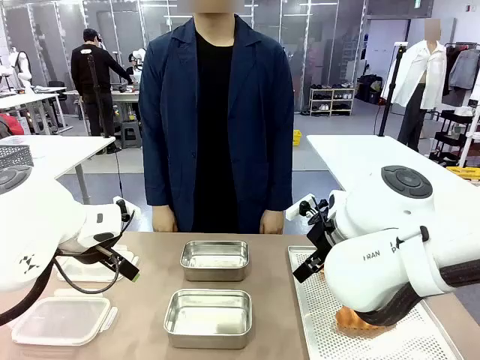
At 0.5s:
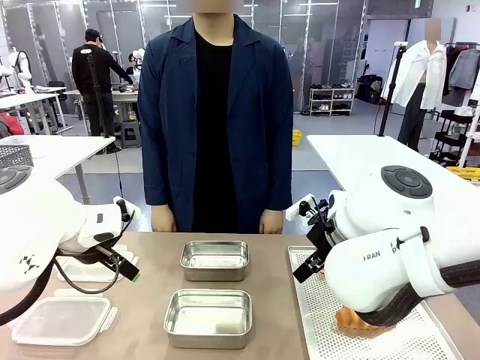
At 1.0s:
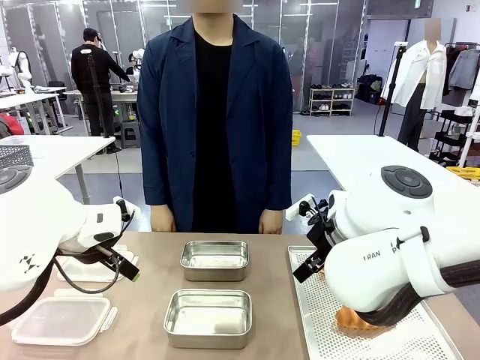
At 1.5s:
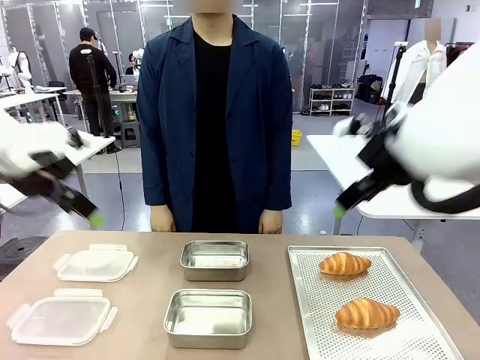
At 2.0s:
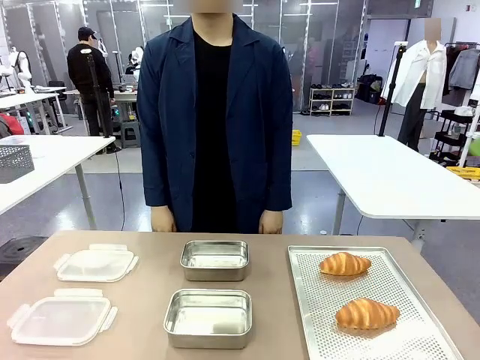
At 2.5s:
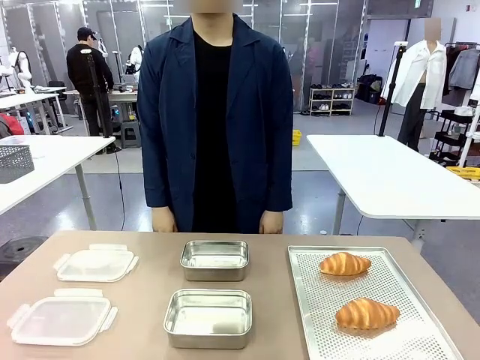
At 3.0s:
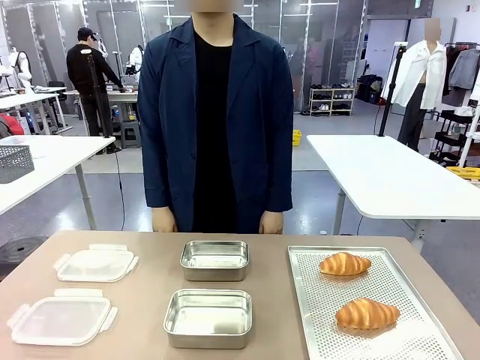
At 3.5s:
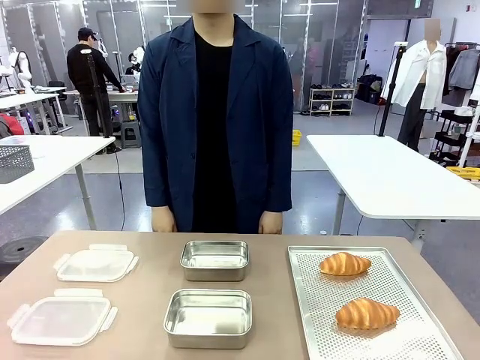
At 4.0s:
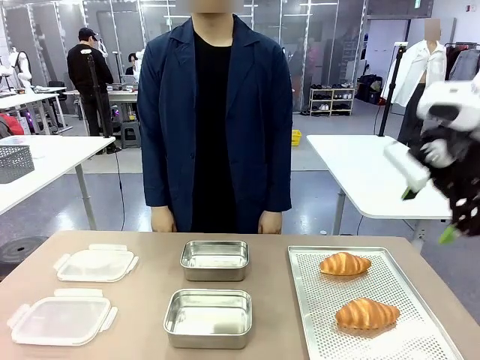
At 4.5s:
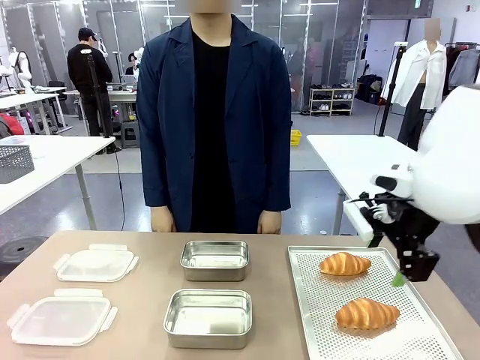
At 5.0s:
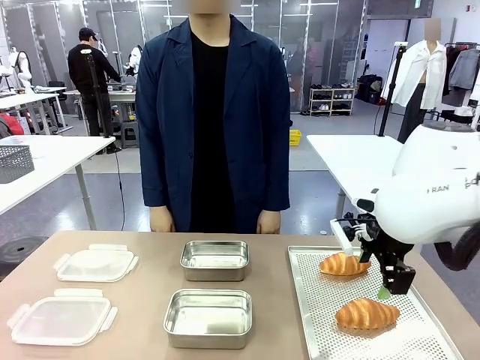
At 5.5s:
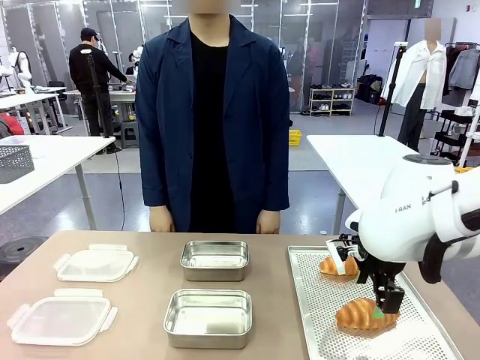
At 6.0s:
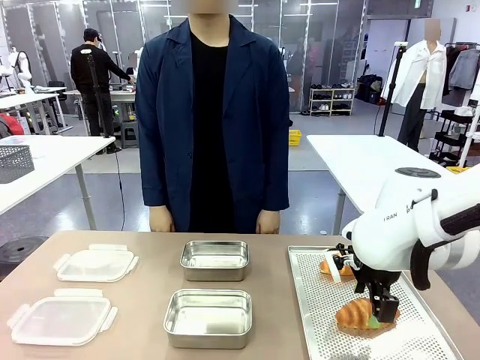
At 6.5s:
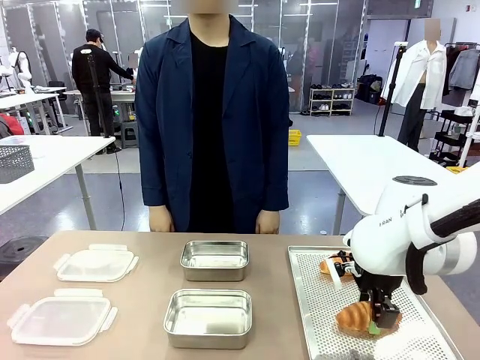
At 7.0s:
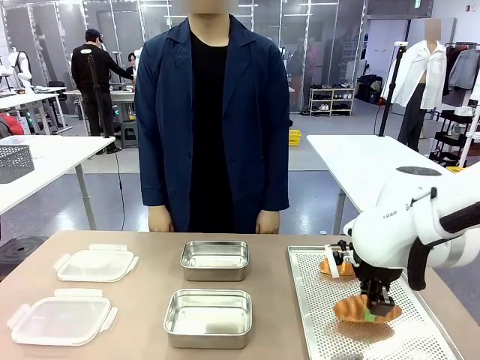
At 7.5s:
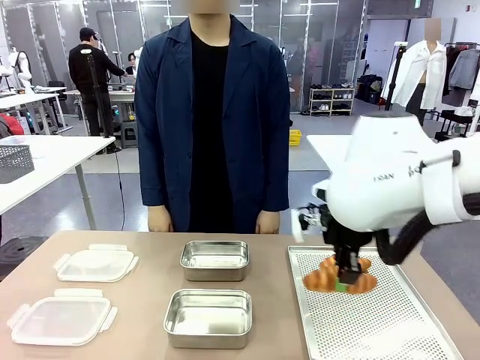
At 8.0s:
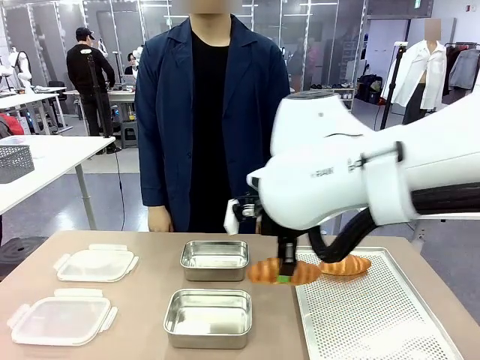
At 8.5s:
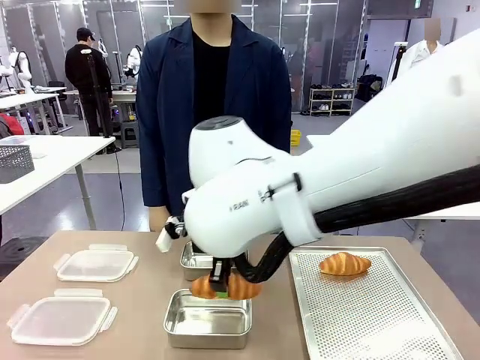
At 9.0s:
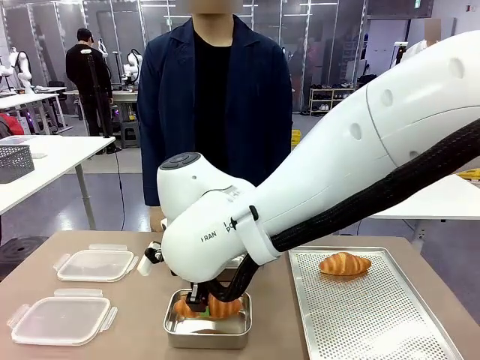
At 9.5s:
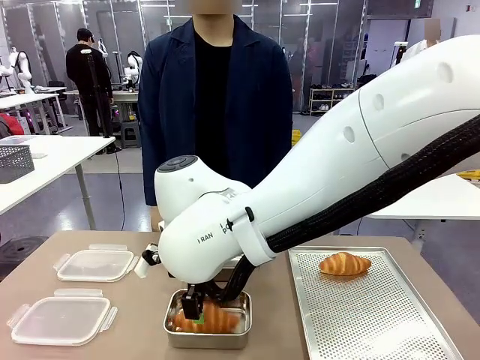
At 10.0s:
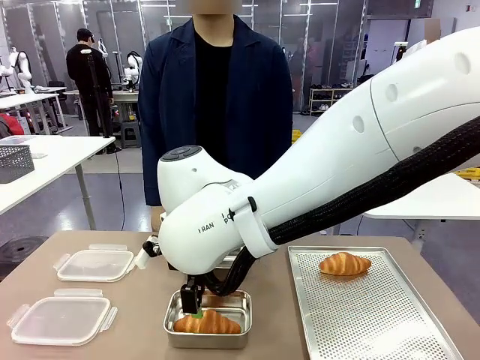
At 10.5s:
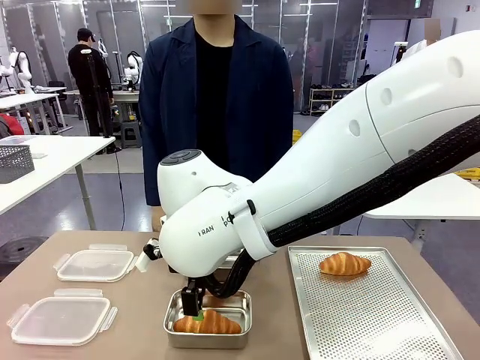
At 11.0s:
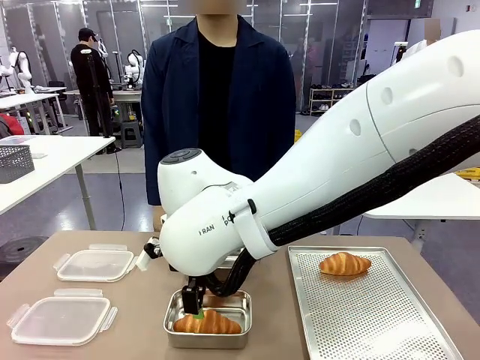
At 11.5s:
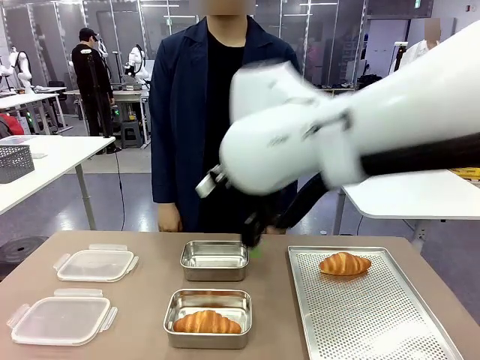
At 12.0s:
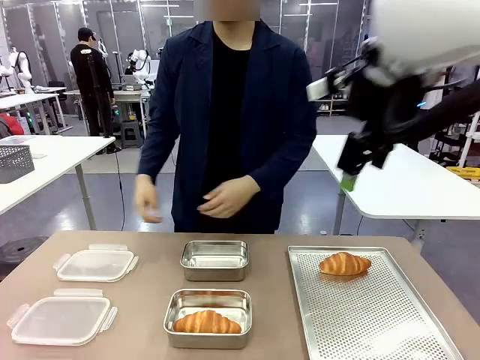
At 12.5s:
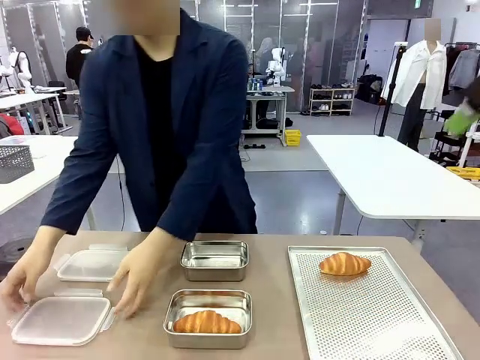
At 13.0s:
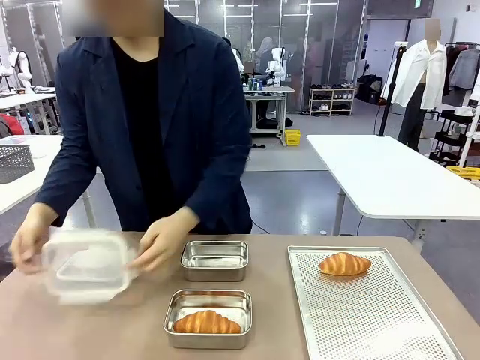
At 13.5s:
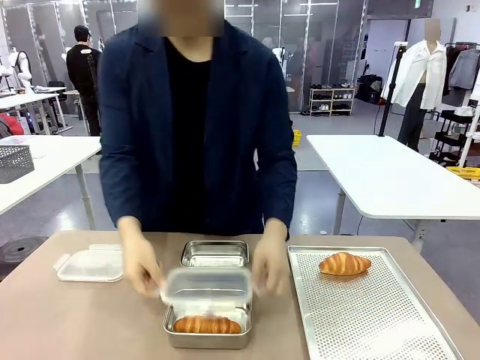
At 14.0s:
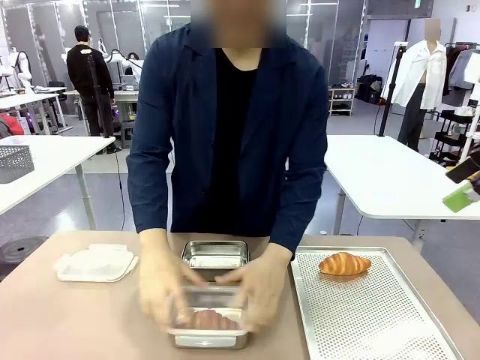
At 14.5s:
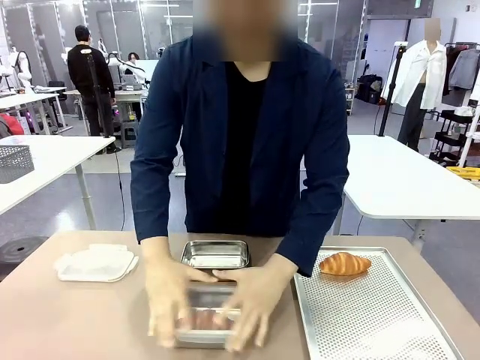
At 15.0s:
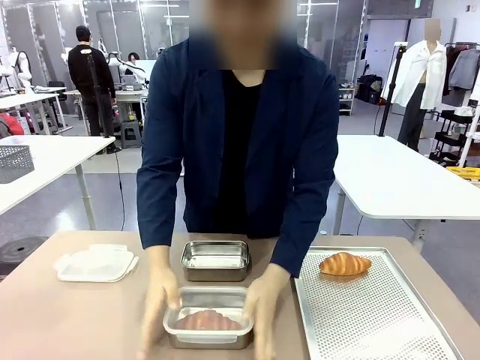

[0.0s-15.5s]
Task: Place the bread into the airtight container.
Robot: Pick up a Butter Roll and place it into an empty Airtight Container.

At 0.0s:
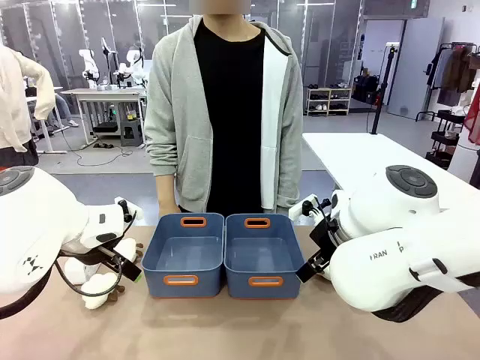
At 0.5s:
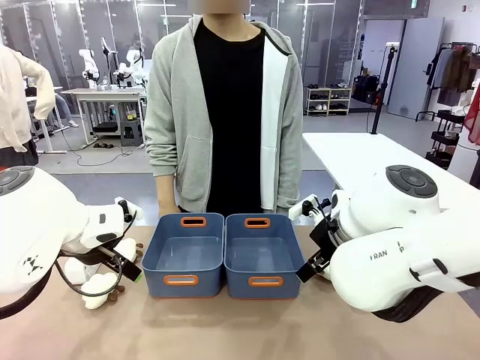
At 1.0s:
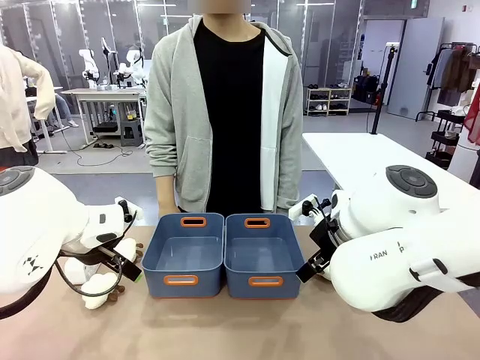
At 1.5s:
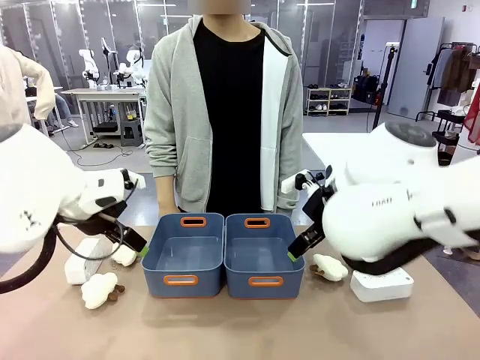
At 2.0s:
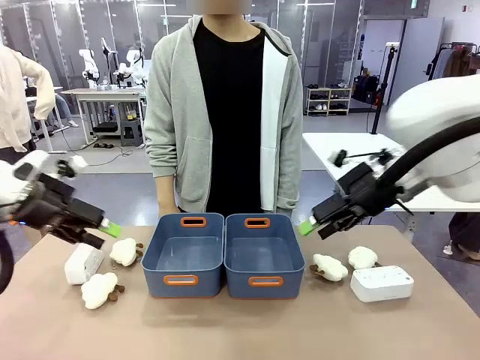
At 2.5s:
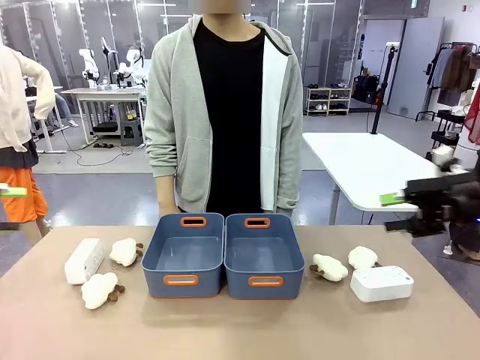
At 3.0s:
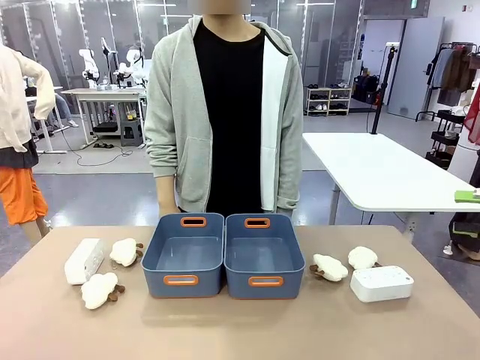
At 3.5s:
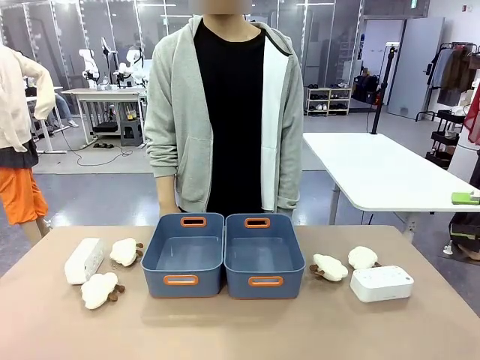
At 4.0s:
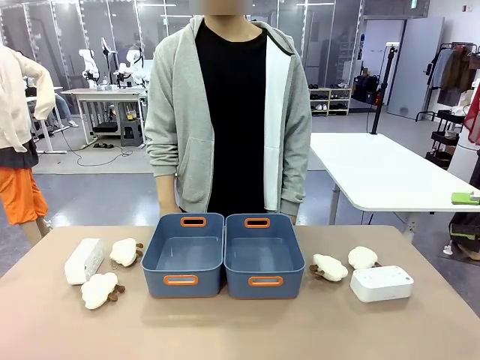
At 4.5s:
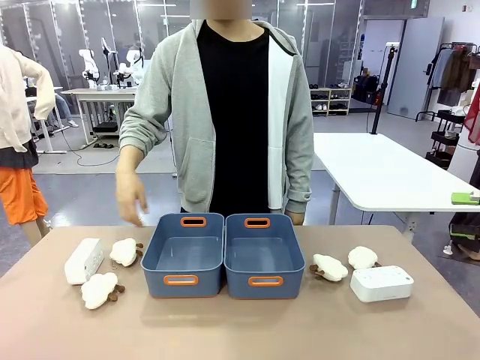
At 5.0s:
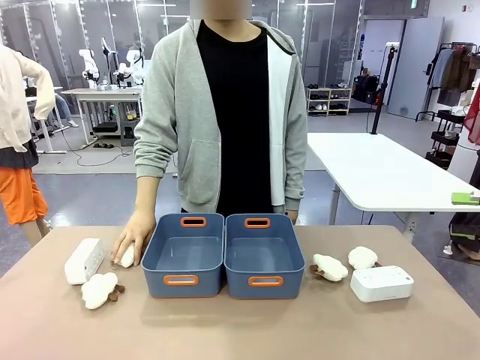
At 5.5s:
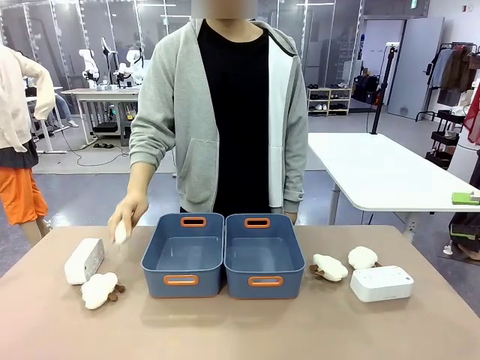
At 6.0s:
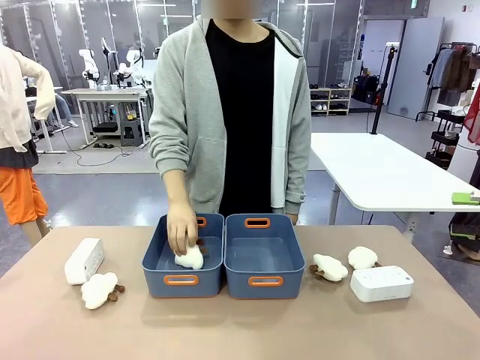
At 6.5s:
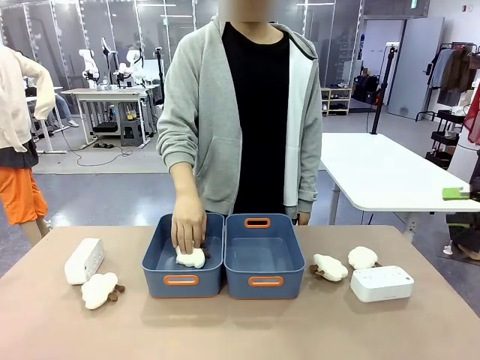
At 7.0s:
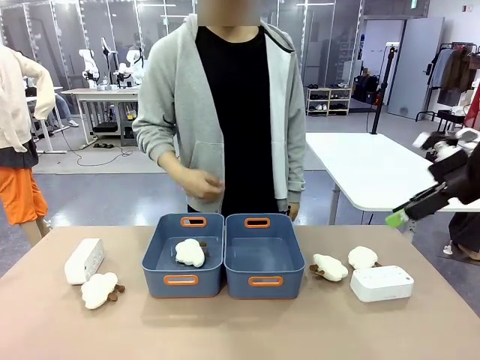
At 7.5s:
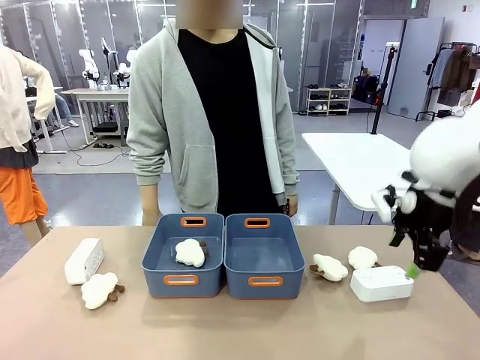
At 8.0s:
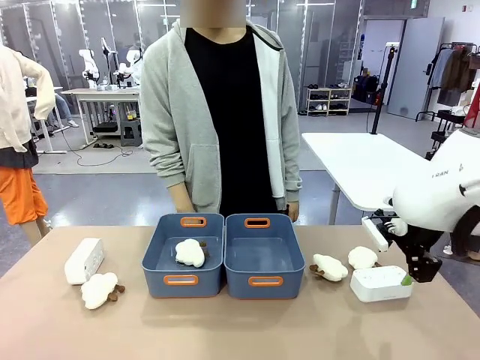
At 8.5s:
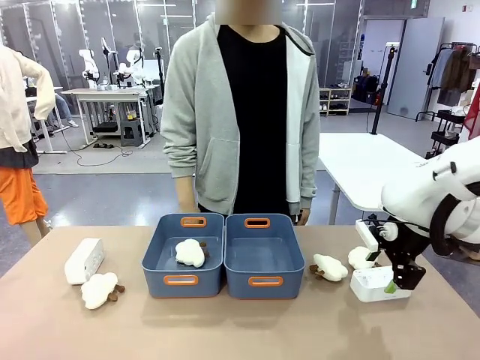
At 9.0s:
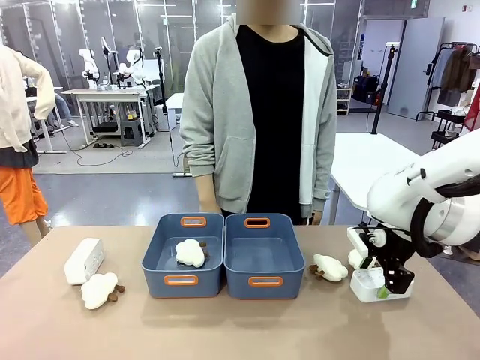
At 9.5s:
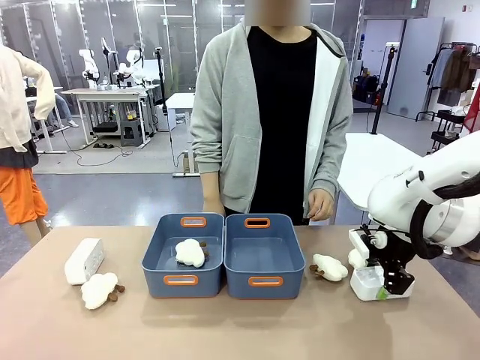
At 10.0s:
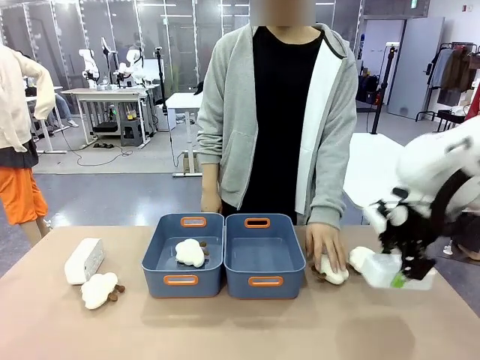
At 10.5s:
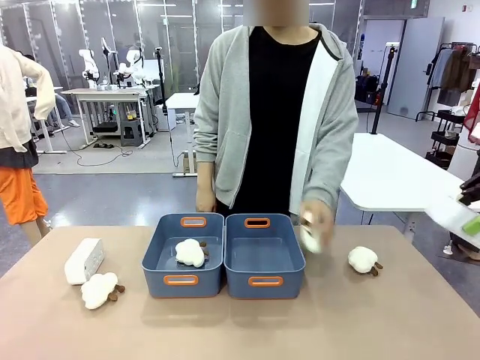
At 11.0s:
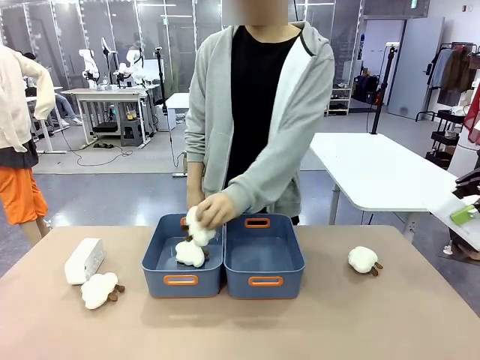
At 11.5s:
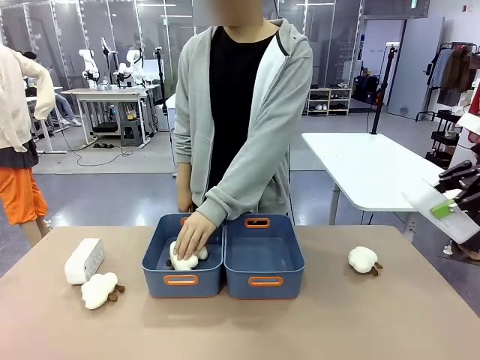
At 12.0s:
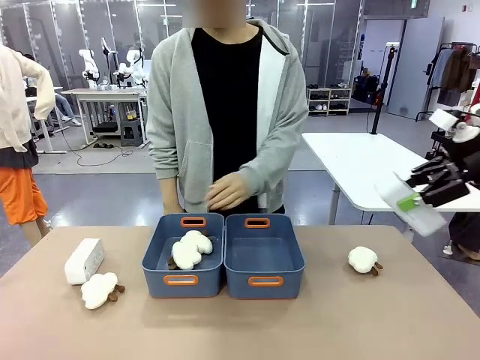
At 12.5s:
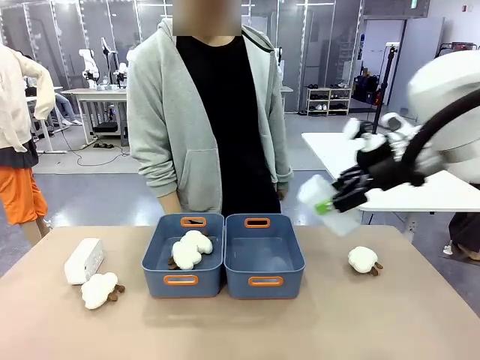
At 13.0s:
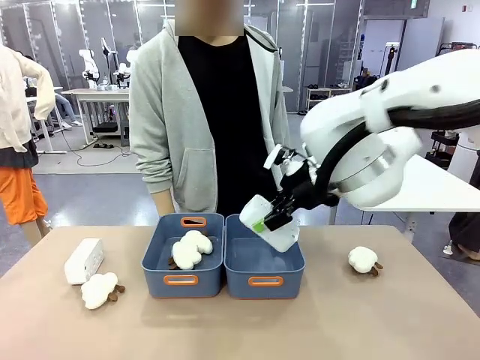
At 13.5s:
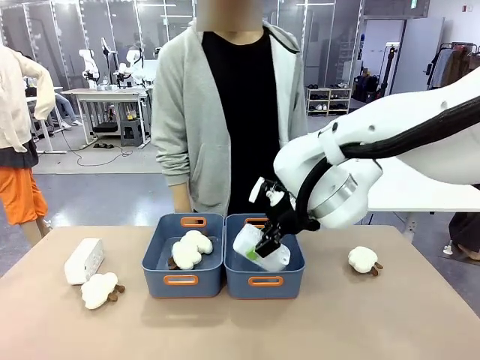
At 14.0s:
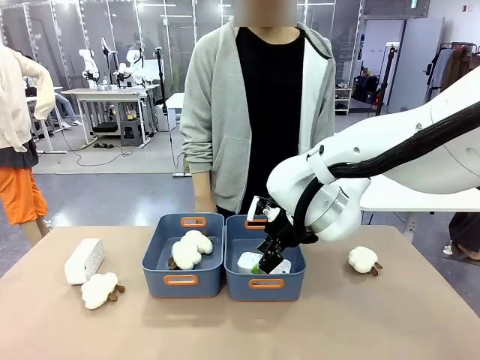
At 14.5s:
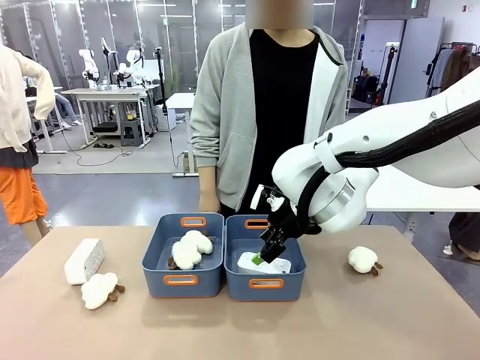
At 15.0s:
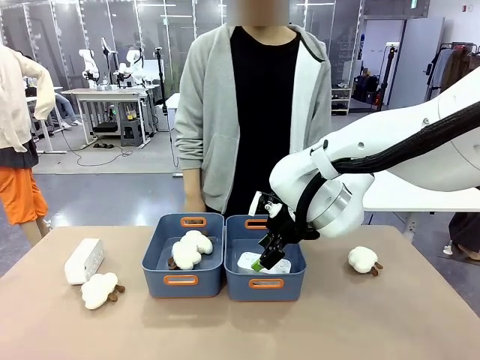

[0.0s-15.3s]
Task: Sort the digital clocks into the basket.
Robot: Pick up the Digital clock from the table and place it into the empty Plastic storage basket.
Person: Pick up a plush toy from the table and place it in a plastic storage basket.
